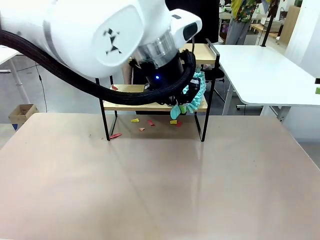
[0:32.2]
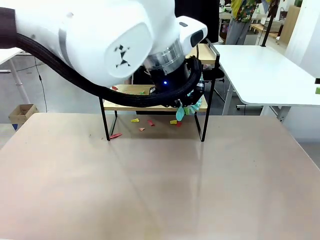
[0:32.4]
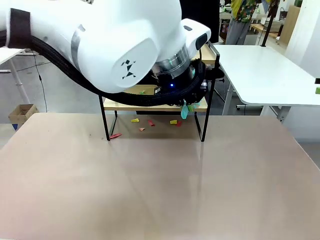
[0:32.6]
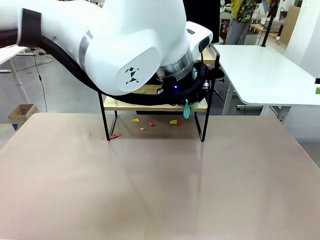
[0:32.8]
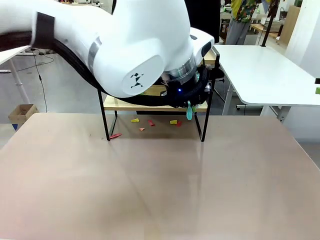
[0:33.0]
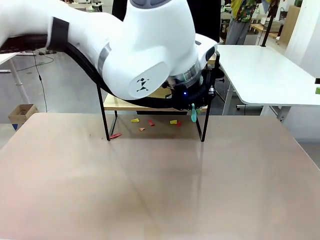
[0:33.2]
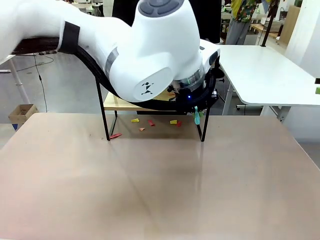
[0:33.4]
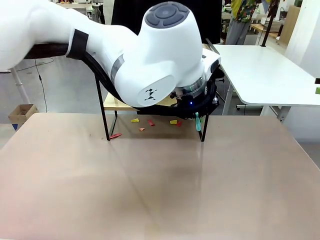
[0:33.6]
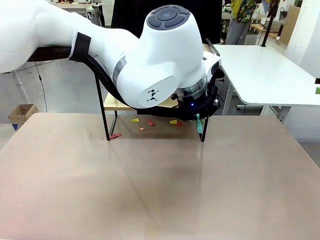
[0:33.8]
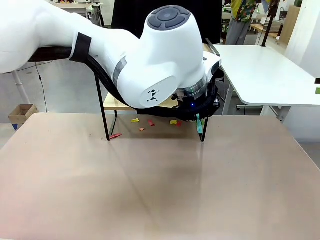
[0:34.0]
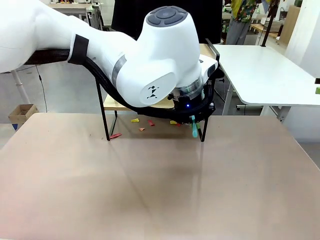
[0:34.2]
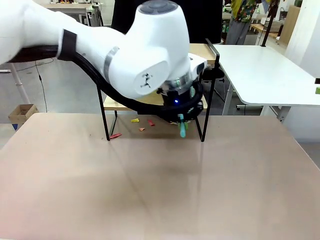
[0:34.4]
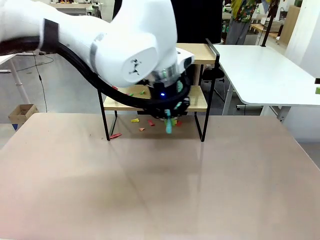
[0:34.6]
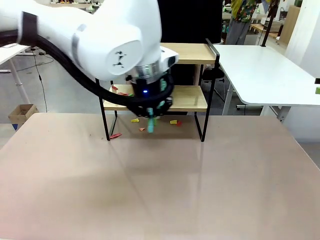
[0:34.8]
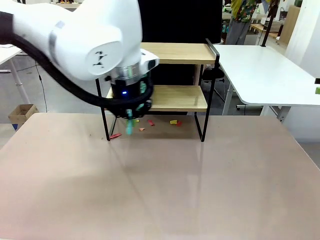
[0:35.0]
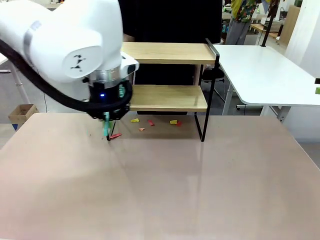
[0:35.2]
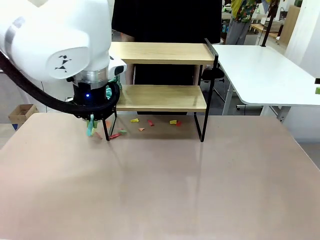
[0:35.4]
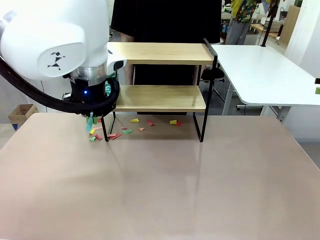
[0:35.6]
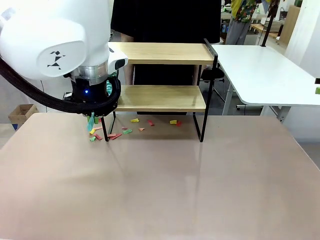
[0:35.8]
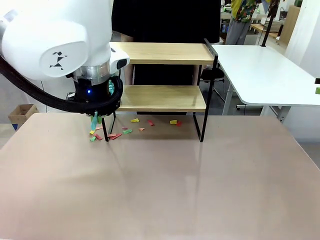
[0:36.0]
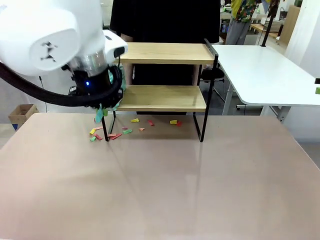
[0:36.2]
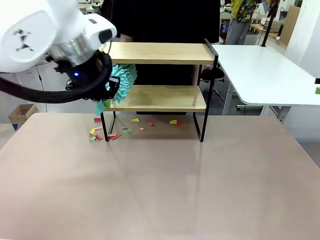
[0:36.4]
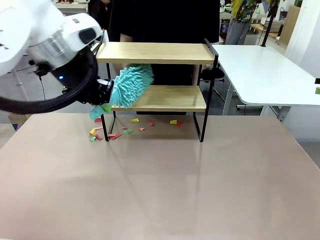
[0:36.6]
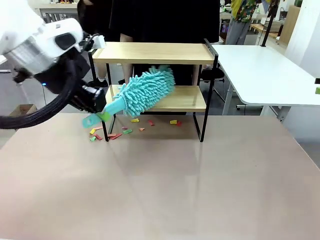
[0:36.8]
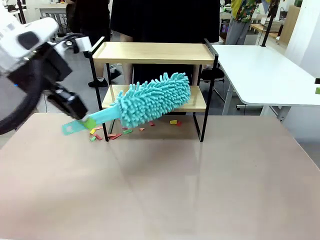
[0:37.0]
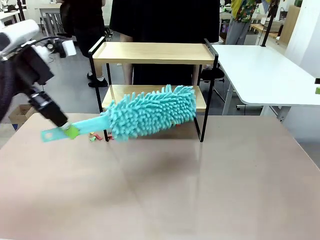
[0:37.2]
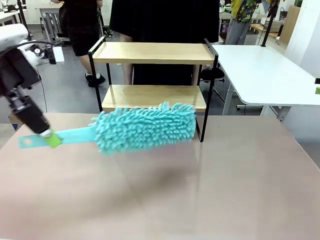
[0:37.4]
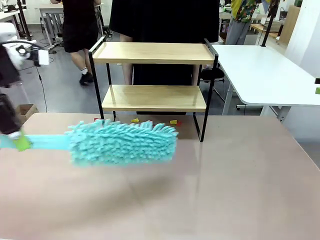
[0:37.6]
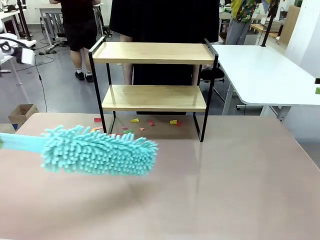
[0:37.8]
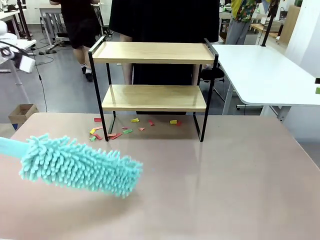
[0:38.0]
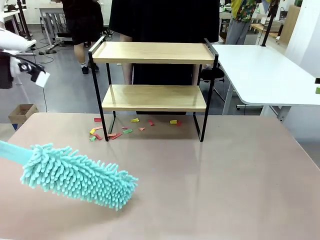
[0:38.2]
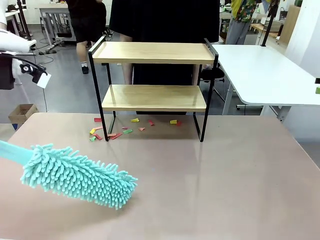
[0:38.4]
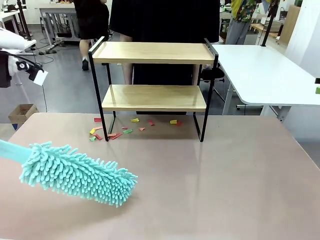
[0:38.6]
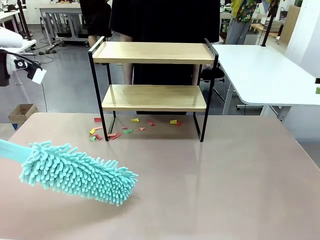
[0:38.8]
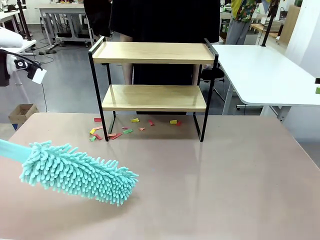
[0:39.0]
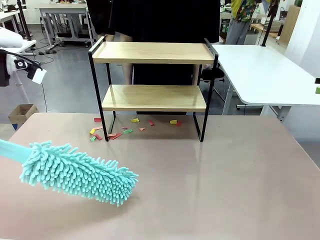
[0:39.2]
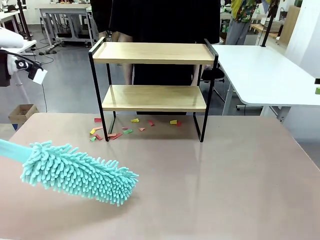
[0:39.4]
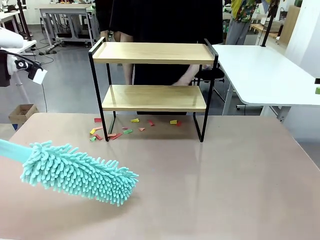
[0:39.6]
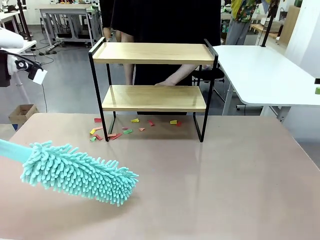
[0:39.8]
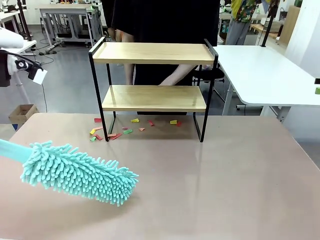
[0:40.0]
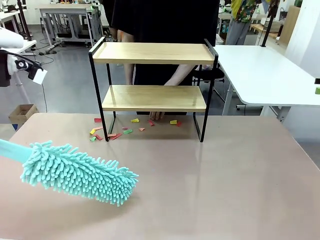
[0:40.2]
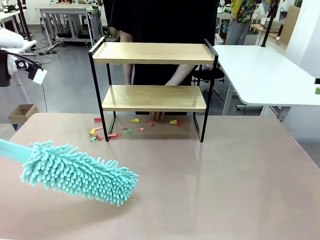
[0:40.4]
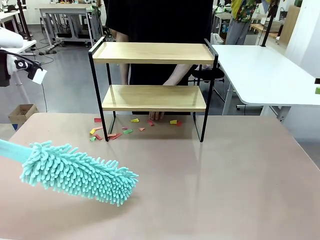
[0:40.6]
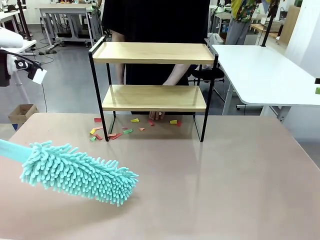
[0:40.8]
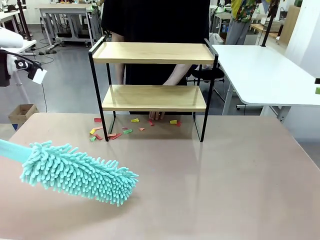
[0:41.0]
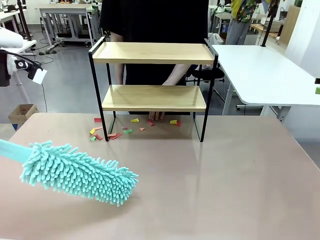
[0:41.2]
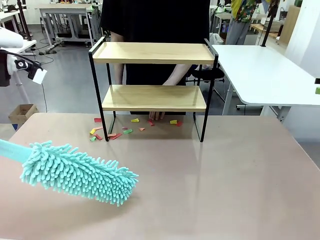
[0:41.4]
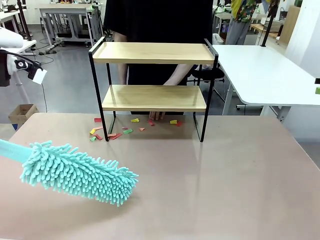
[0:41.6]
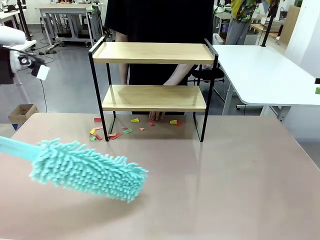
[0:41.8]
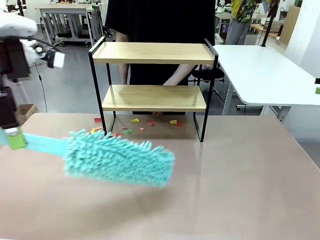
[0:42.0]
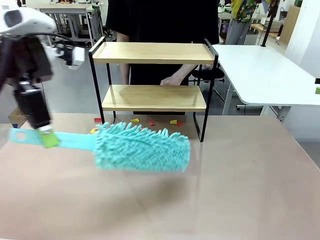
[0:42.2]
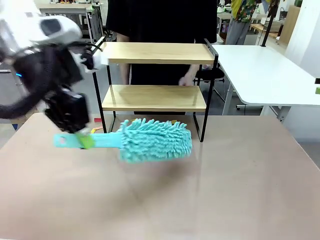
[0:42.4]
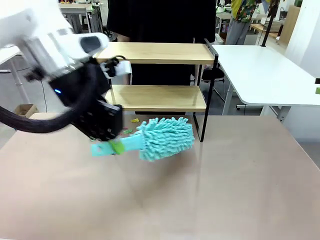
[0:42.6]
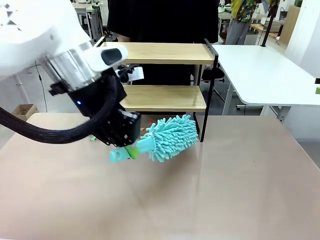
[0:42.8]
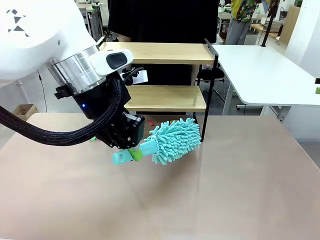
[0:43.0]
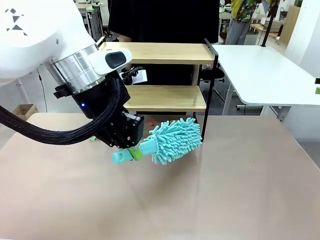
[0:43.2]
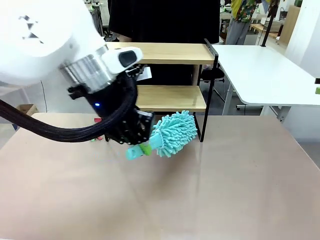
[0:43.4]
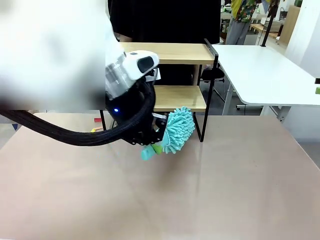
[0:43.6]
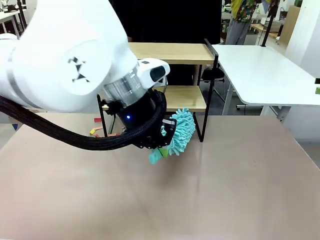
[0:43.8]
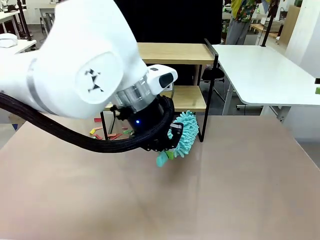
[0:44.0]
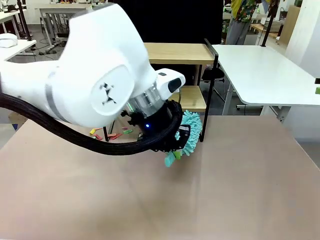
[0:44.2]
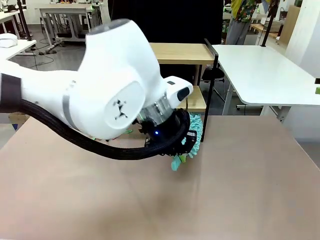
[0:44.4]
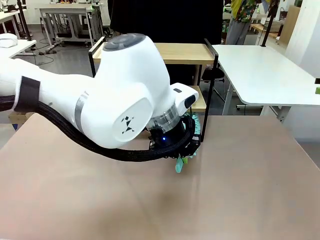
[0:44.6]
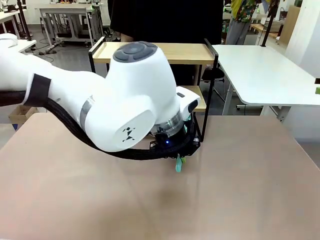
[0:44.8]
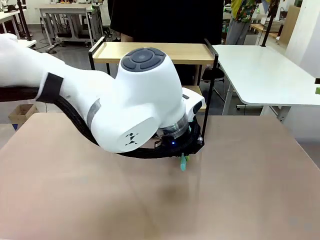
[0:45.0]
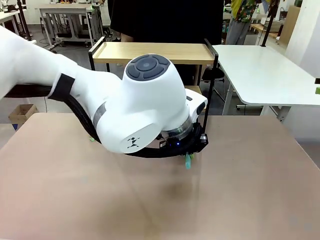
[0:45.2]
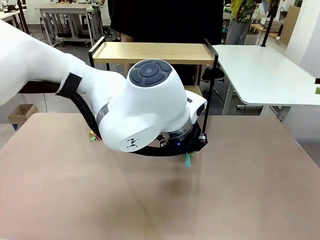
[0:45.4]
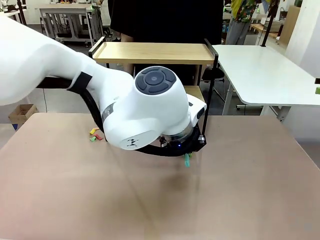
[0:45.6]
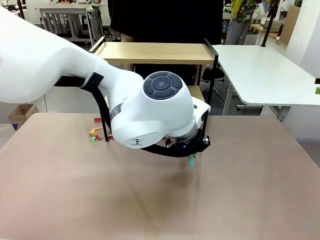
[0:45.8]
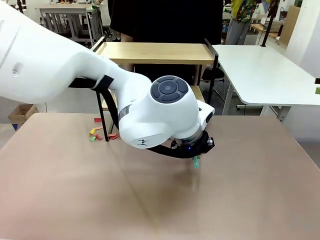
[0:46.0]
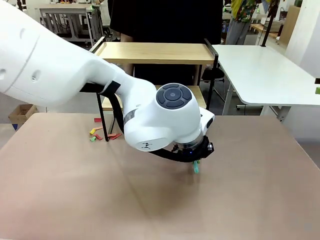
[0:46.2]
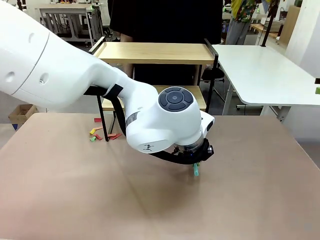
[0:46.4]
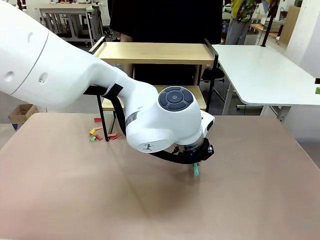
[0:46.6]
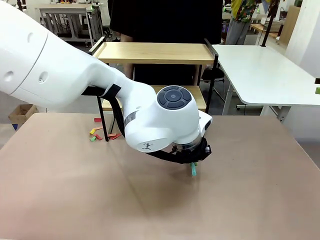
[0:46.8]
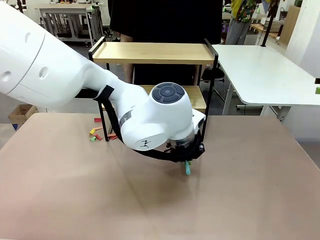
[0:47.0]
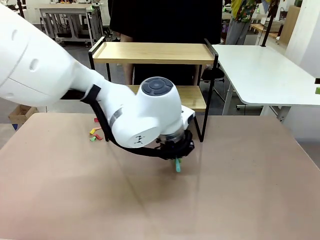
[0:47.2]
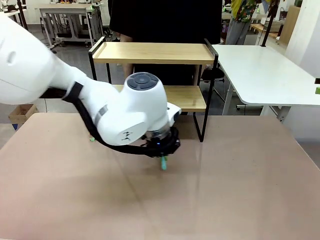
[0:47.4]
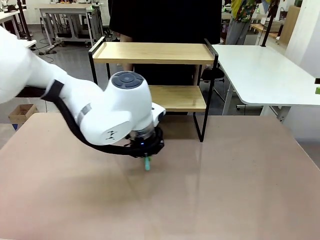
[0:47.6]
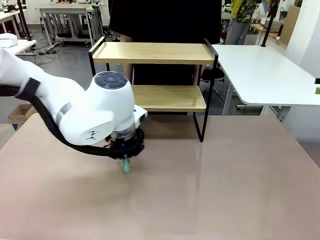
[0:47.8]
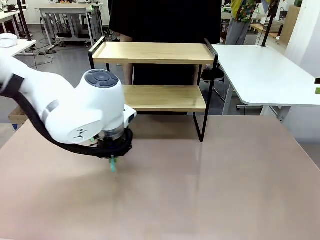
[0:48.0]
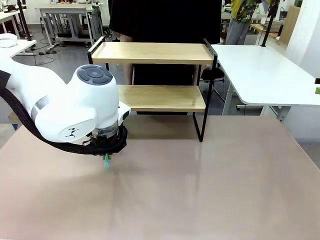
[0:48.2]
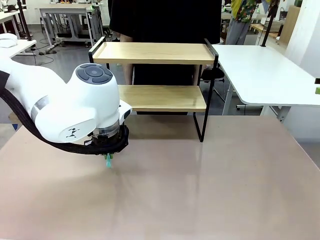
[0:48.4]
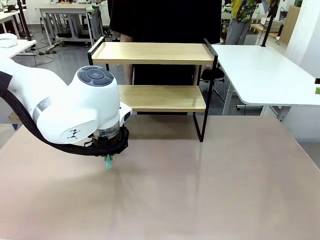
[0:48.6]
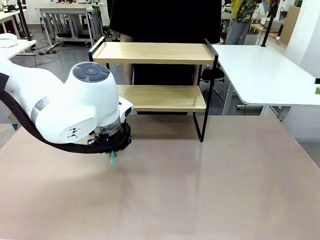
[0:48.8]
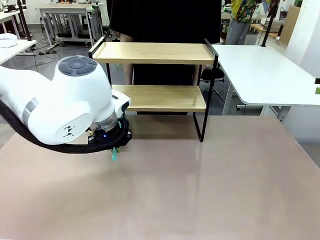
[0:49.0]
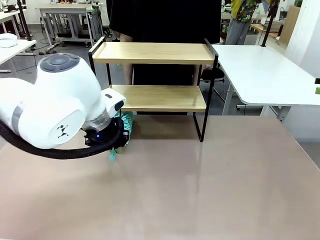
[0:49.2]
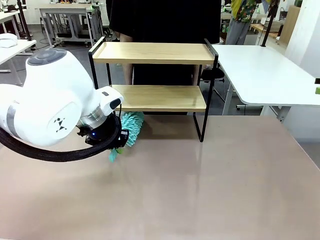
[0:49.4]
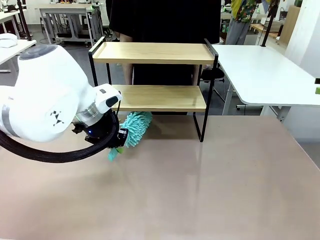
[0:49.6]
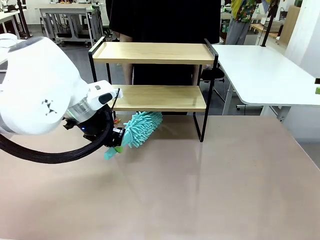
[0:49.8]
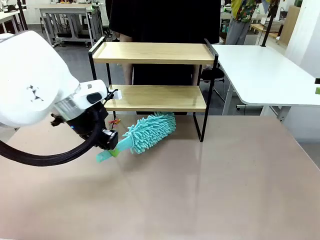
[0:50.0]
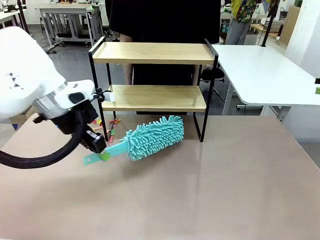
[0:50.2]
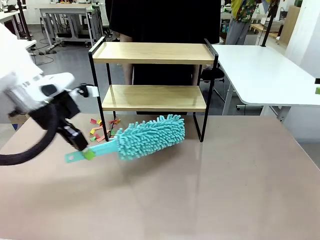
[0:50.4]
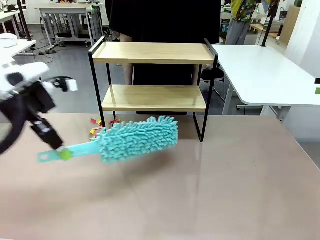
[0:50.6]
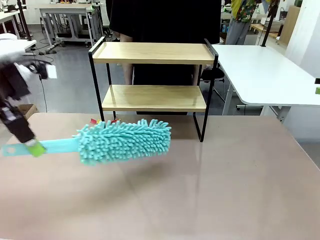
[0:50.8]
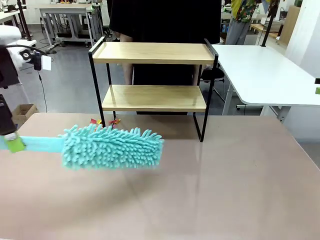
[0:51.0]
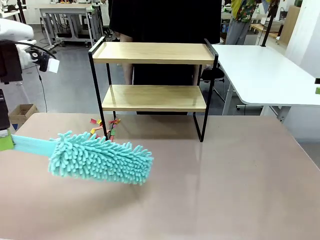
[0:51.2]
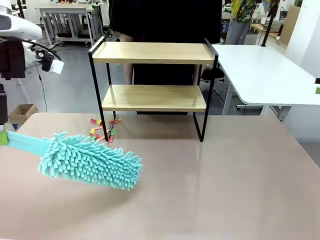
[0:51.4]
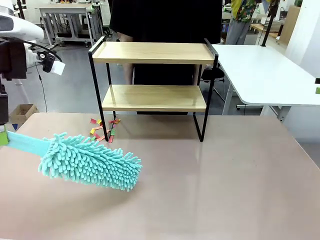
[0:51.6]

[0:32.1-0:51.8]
Task: Clean the shelf.
Robot: Clean the specific section of the Shelf indicated by the human with the Duster.
Person: Point a remaining section of the Shelf.
